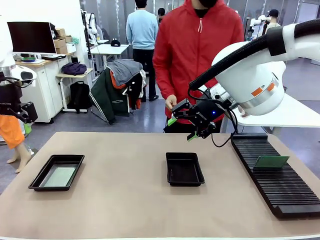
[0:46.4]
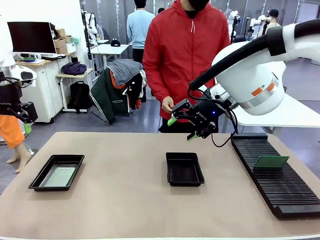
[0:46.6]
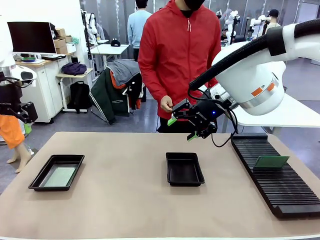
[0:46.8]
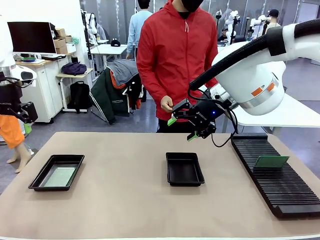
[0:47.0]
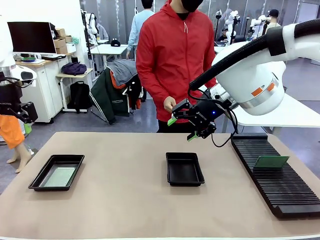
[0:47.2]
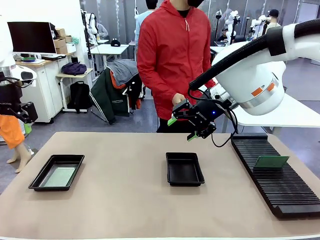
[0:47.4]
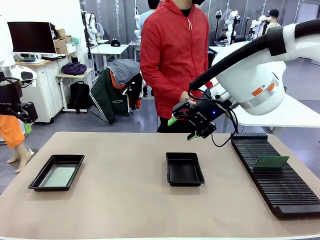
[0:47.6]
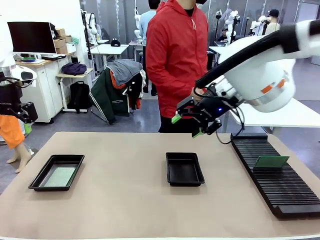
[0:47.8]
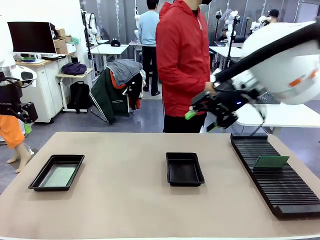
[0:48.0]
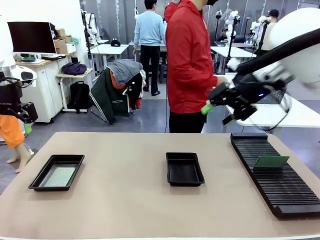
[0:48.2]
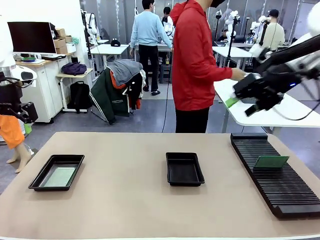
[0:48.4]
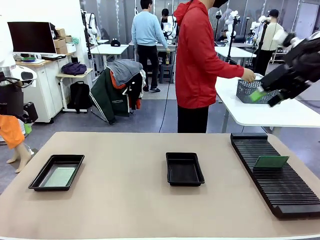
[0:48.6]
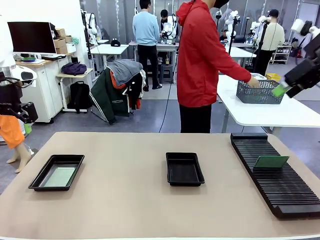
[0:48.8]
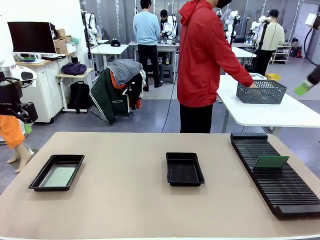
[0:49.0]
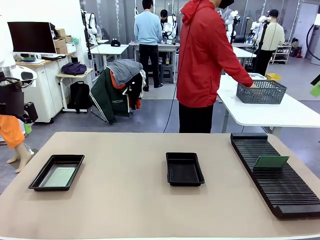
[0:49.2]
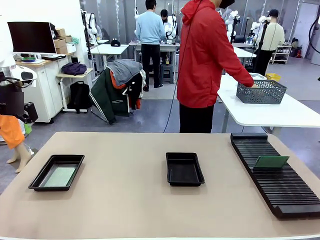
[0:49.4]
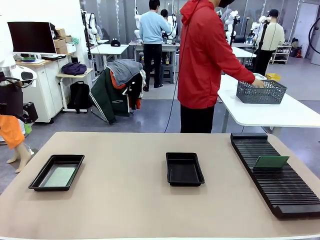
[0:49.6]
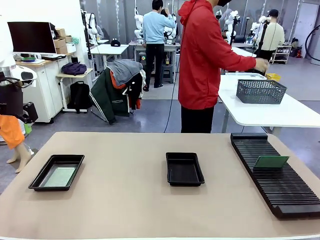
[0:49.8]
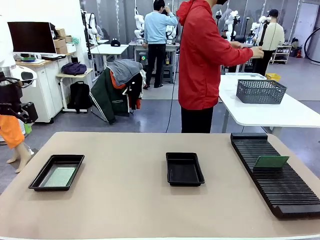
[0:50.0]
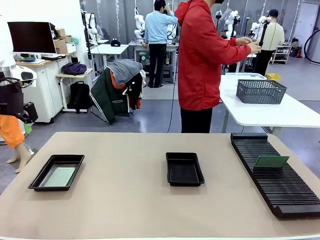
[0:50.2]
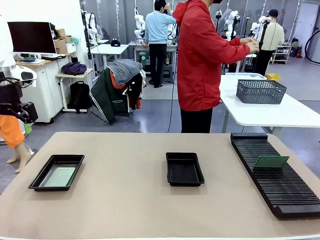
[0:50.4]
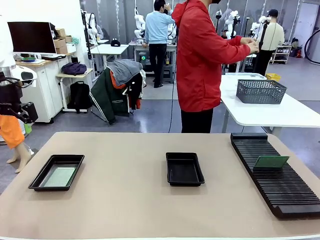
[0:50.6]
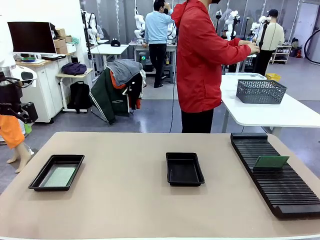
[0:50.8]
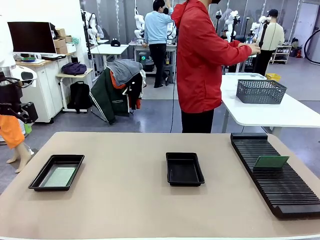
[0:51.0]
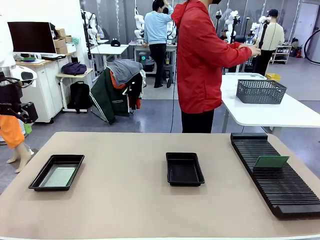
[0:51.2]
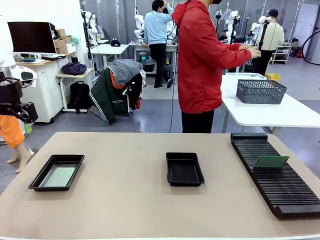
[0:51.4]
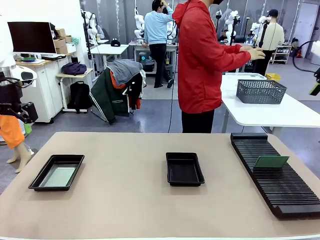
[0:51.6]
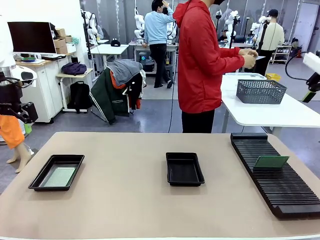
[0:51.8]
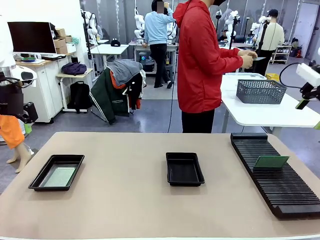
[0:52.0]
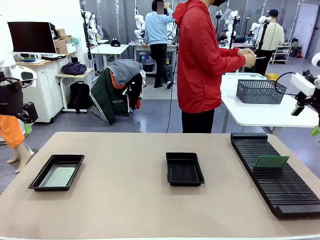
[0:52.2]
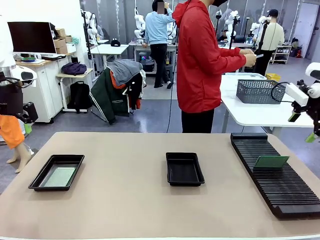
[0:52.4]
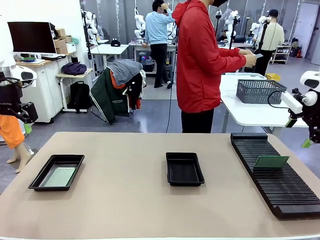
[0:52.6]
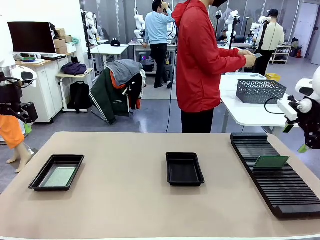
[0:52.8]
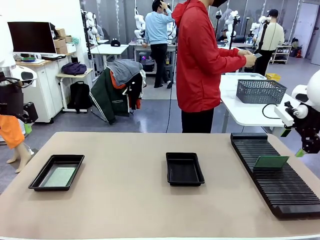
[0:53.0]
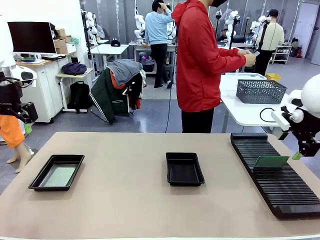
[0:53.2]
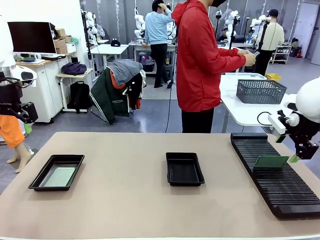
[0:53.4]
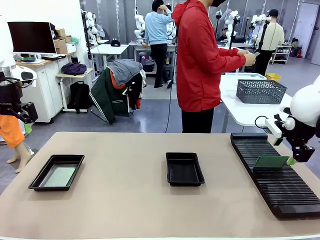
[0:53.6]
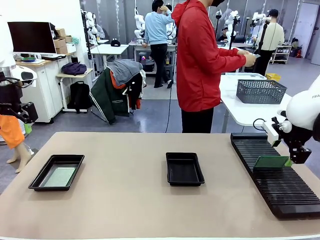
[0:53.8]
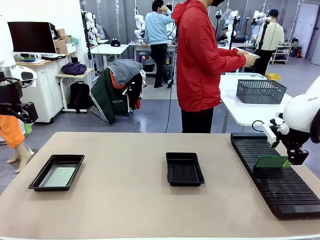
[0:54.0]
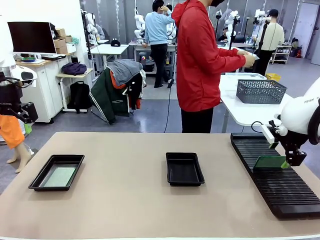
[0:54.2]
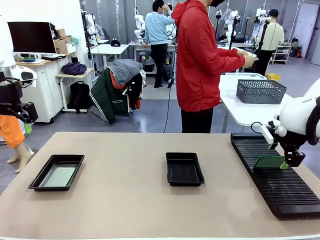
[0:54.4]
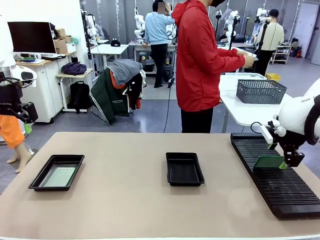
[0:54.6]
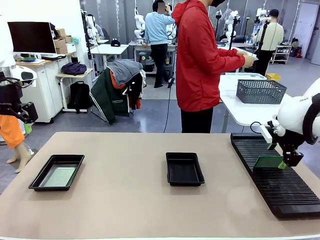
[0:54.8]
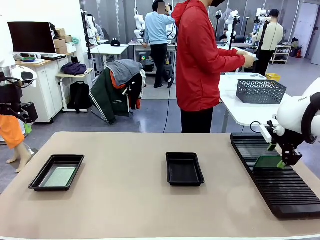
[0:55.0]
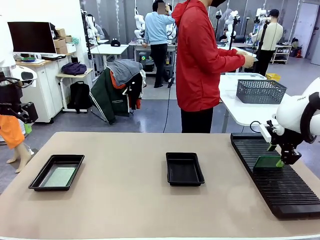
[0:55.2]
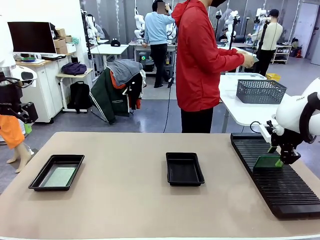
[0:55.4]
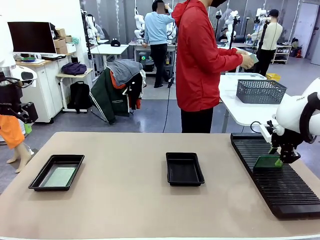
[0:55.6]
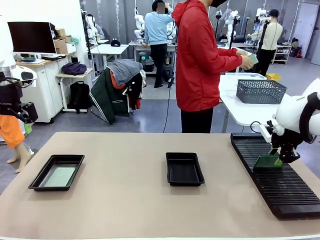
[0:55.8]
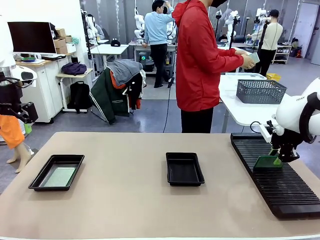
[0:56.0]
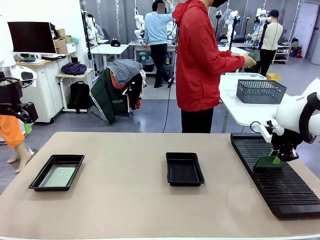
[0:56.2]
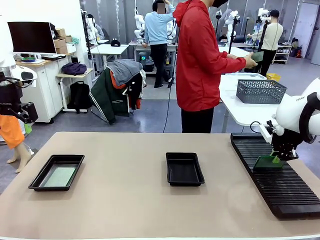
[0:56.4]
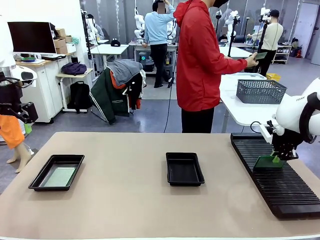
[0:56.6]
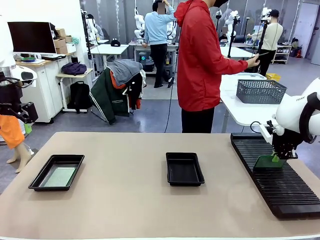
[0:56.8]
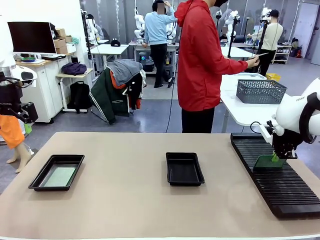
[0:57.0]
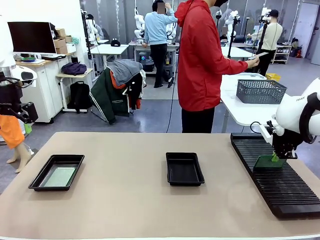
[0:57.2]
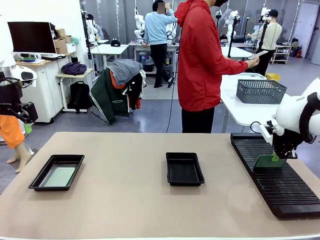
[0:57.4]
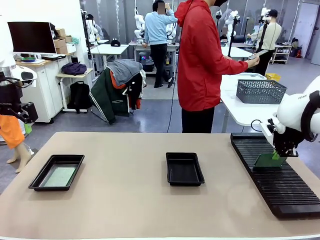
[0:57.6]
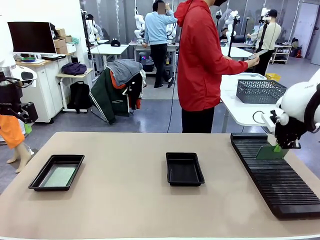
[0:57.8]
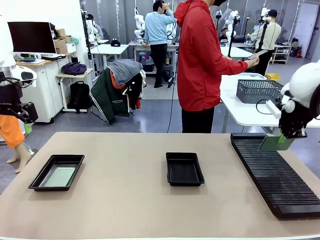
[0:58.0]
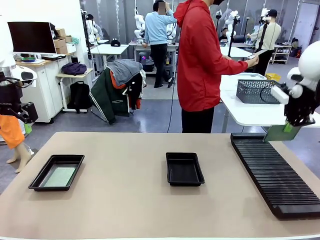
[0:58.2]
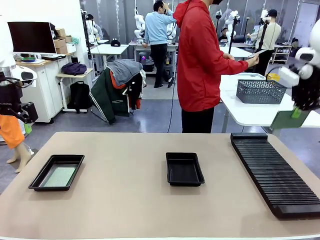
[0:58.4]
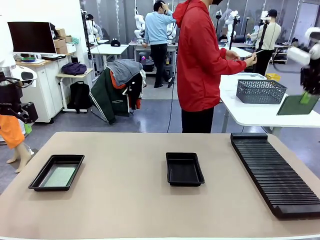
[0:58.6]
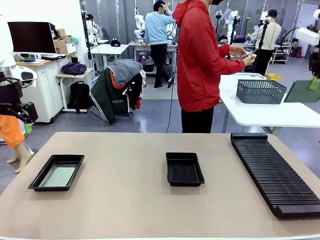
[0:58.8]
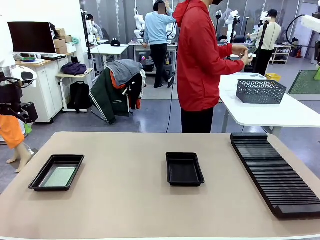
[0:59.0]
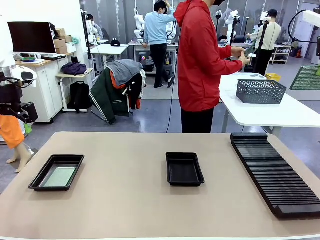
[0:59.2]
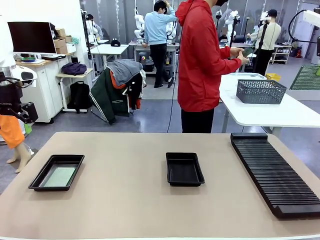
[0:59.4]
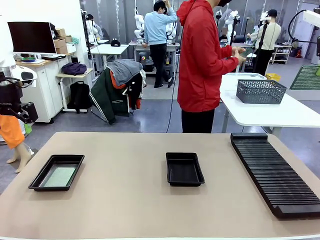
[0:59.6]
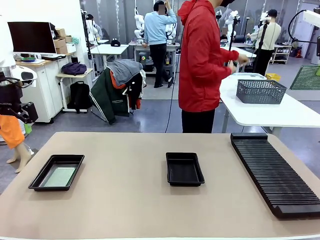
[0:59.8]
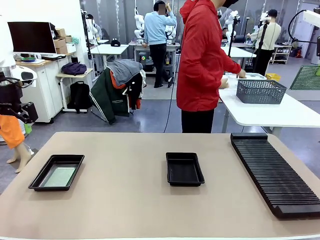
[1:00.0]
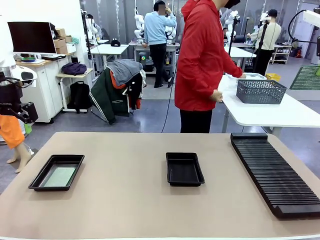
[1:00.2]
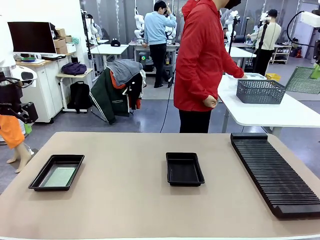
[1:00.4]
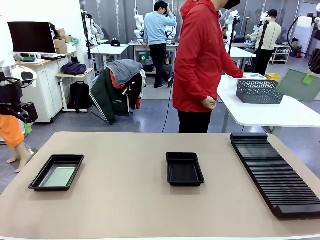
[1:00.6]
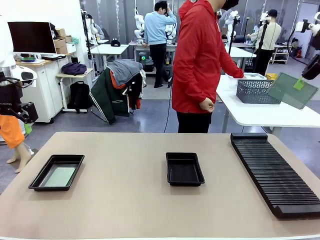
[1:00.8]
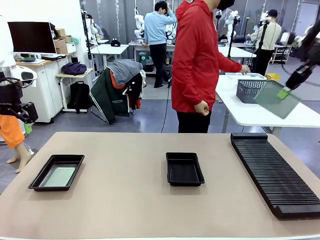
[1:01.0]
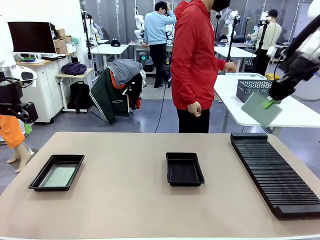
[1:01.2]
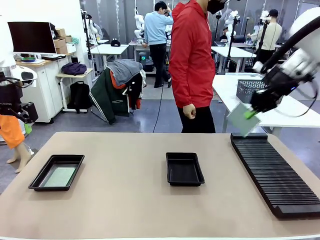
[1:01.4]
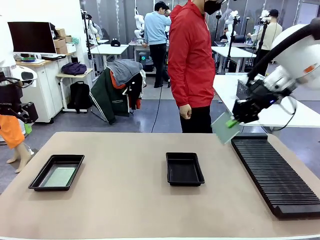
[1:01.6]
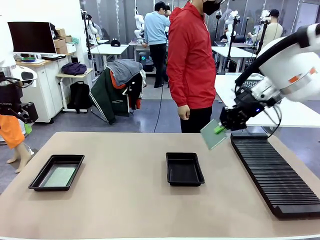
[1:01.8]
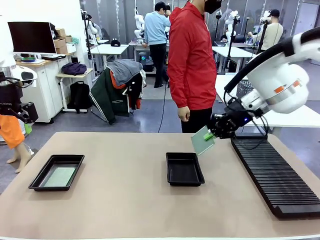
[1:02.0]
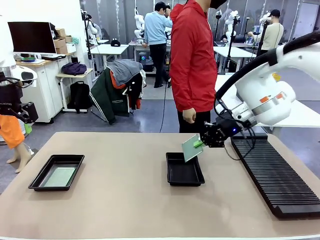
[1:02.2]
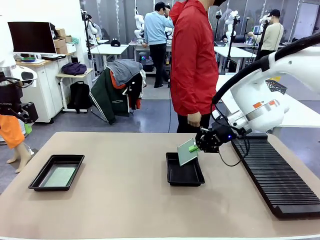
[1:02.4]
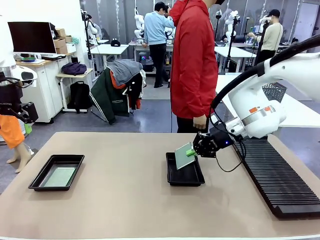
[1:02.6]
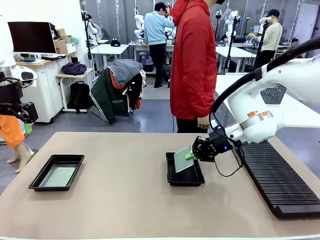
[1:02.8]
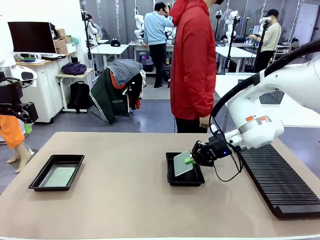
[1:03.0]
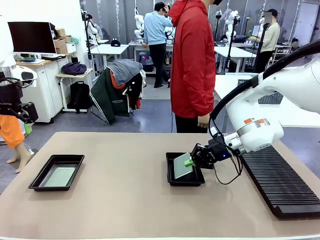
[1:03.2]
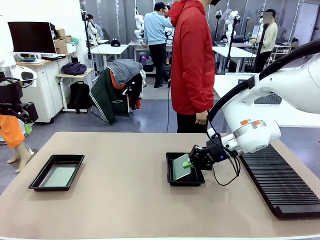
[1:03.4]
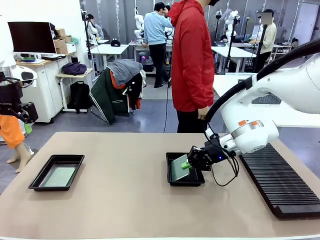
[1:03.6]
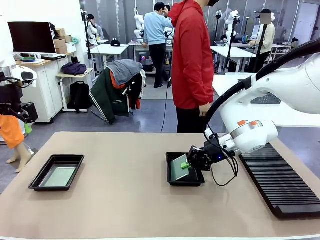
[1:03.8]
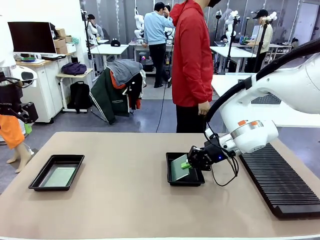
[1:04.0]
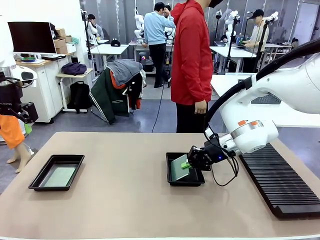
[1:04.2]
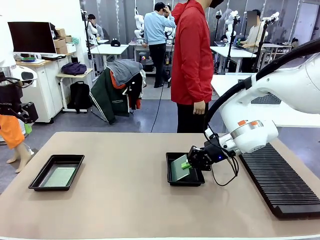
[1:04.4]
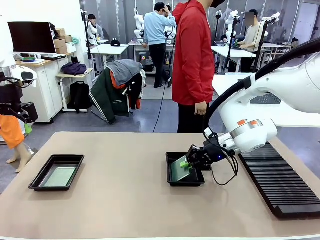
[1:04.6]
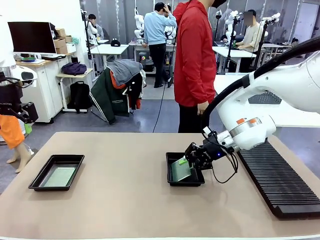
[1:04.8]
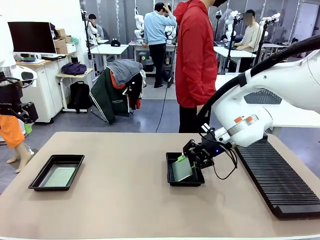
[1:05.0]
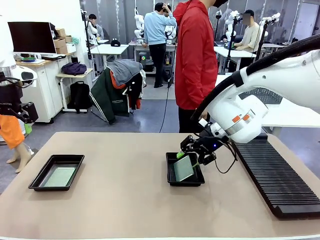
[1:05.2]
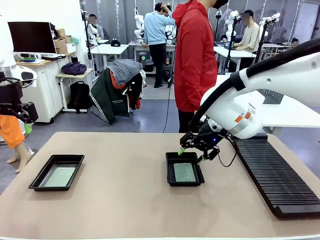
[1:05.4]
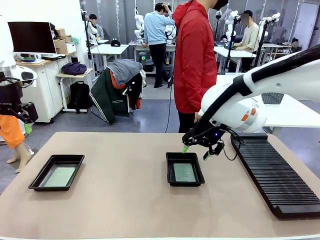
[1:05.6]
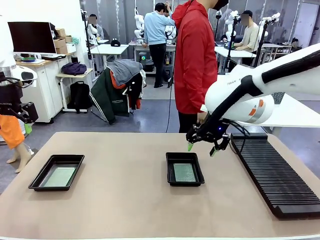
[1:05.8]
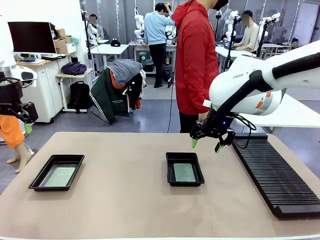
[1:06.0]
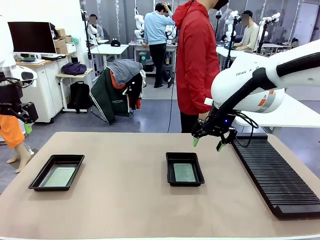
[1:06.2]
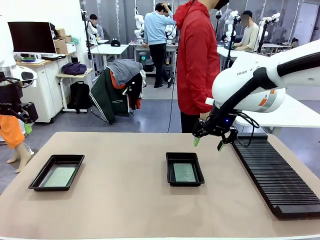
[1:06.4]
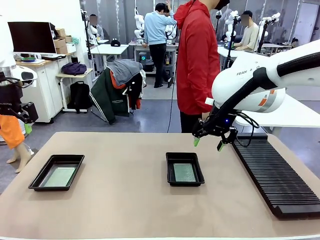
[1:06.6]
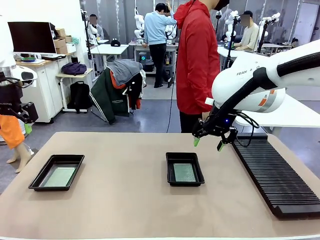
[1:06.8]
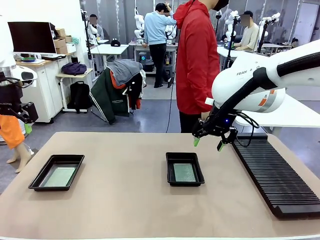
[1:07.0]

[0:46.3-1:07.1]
Task: Inspect and transfer BCBs to ESD trays.
Robot: Pick up the Blank PCB from the PCB Rack and place it in the right ESD tray.
